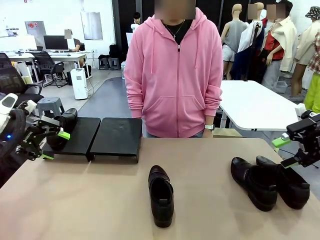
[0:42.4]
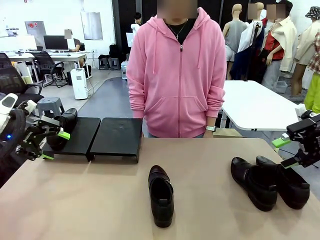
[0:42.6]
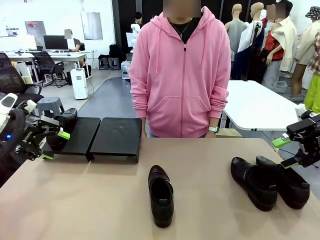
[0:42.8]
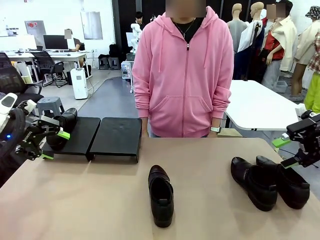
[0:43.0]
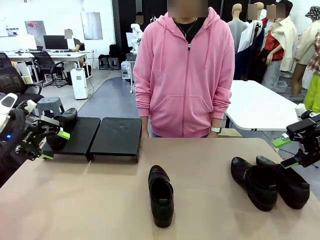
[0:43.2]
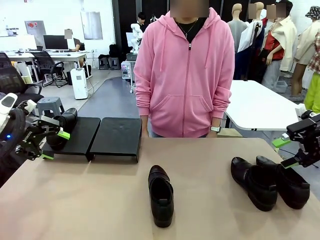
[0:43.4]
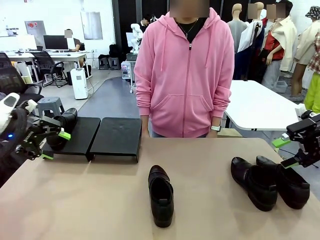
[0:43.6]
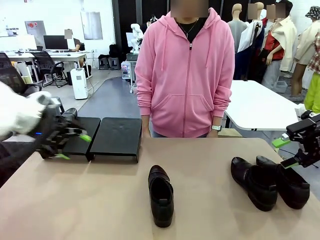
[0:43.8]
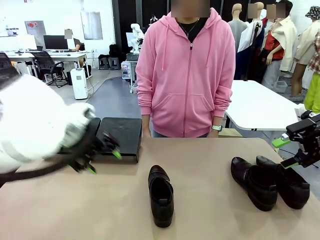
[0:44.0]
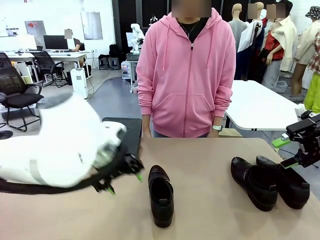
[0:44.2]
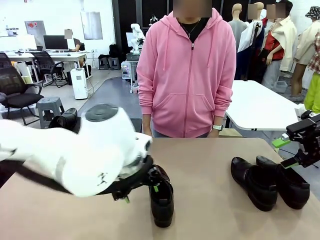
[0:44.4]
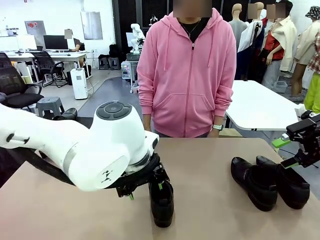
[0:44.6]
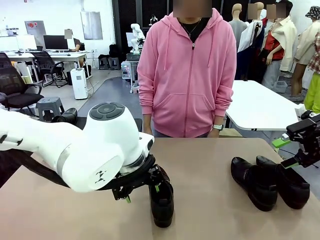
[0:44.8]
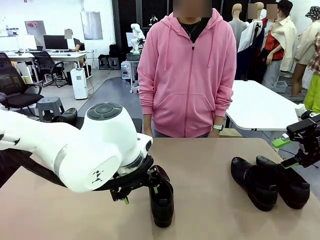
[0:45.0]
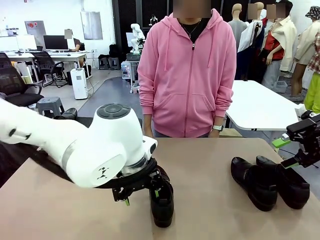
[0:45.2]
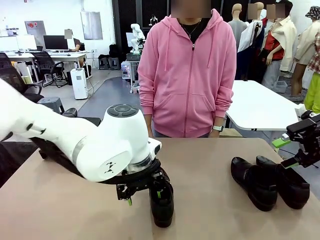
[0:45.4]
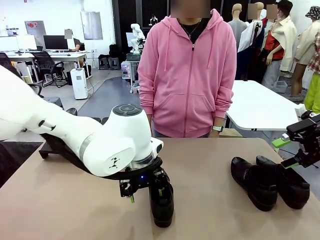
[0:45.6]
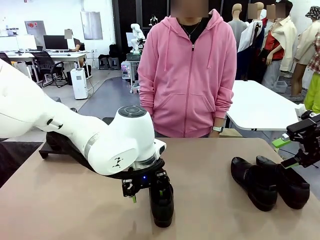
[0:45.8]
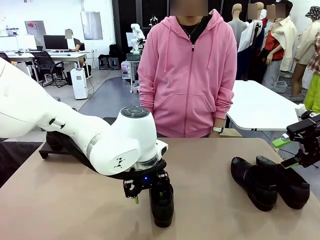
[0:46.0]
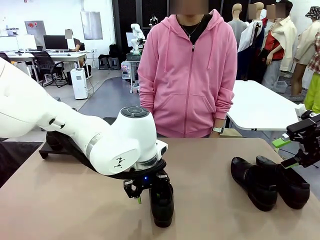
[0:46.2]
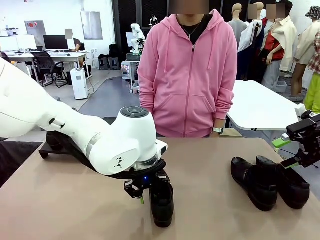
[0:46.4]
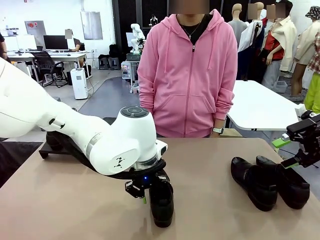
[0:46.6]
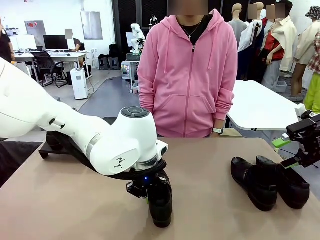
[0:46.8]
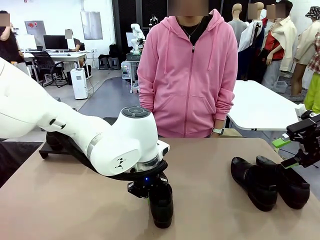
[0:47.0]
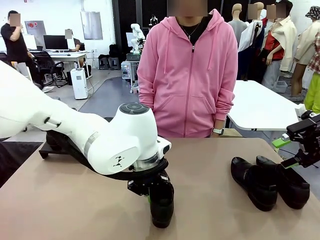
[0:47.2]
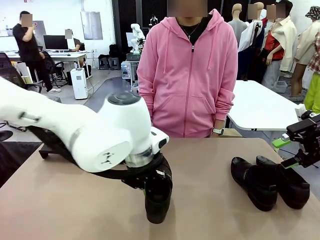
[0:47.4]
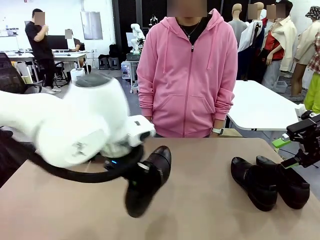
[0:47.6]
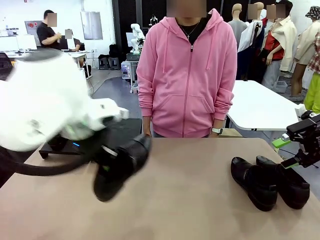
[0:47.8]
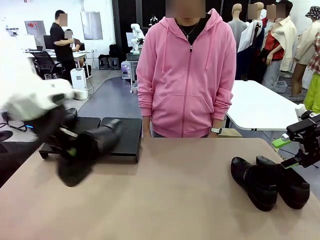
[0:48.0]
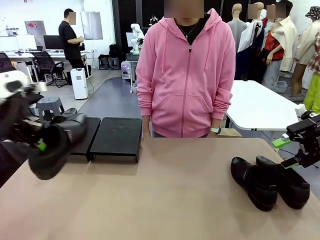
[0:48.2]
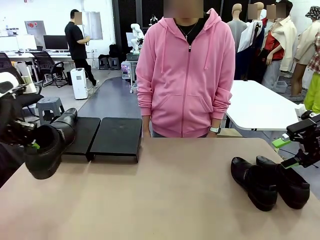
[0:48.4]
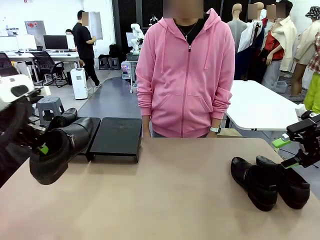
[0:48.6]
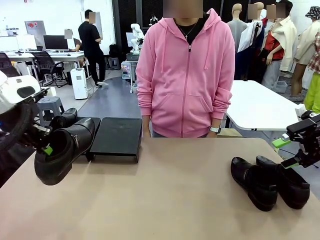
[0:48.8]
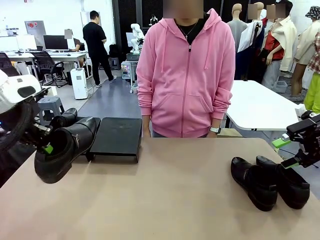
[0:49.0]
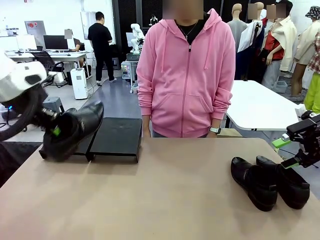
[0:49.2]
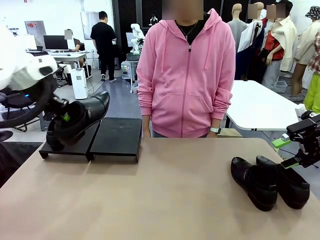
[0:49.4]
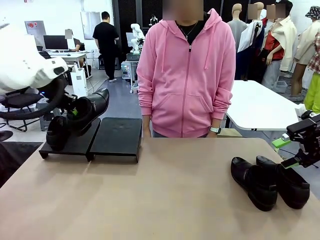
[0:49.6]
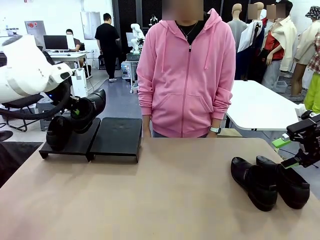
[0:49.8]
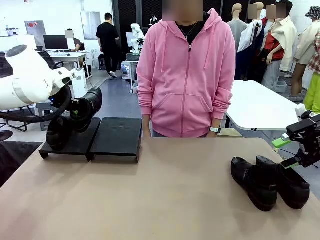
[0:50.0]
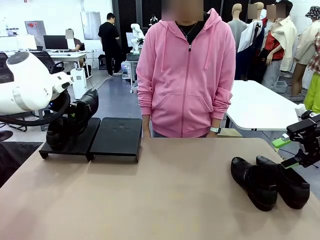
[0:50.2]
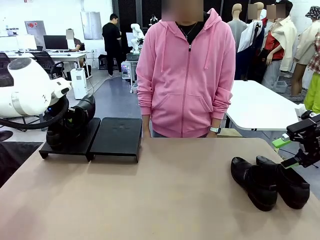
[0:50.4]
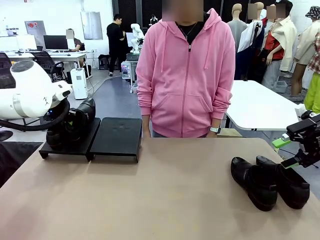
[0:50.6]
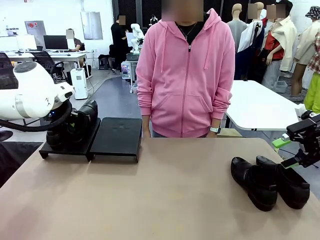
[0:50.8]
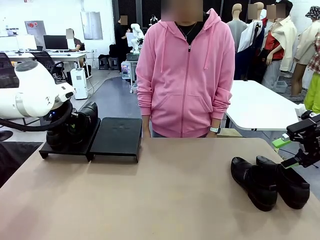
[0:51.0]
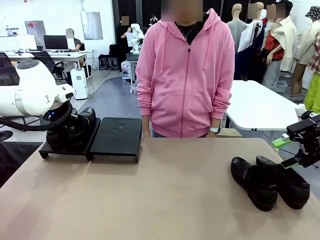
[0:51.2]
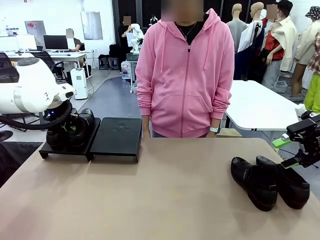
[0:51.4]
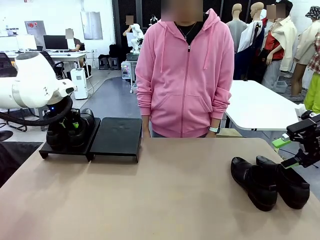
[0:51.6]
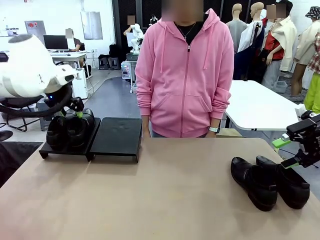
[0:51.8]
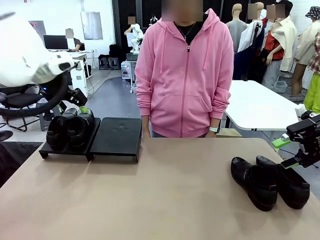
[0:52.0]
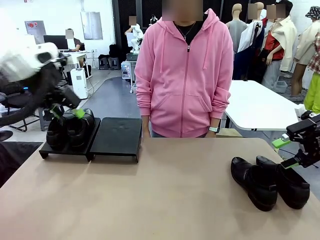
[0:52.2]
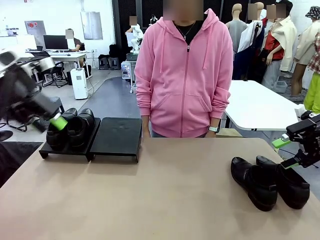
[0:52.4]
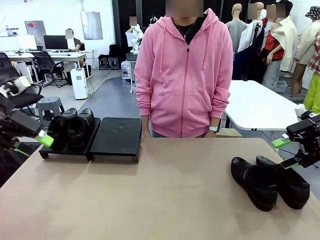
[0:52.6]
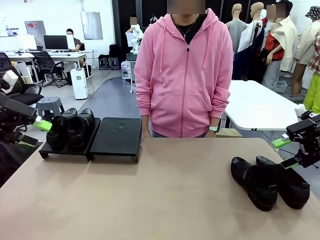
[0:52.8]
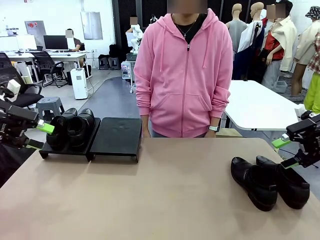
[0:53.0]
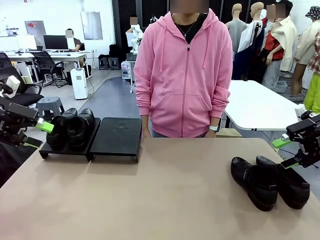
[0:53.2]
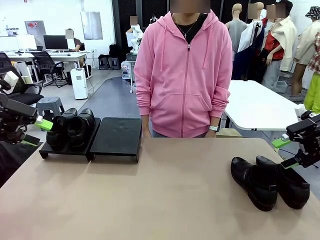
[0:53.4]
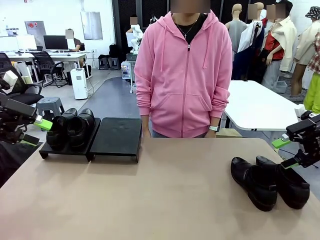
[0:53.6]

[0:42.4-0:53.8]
Task: Organize the shoes by placing them on the stand.
Robot: Place the Shoe from the middle of the table onto the Shoes Stand.

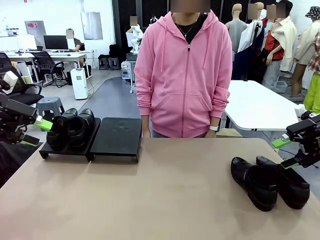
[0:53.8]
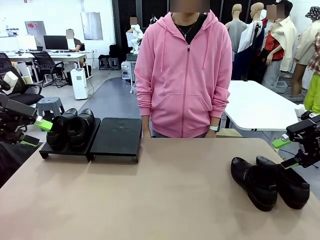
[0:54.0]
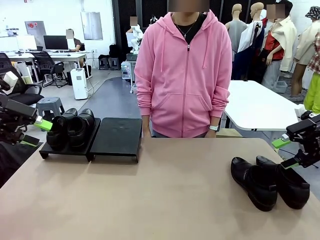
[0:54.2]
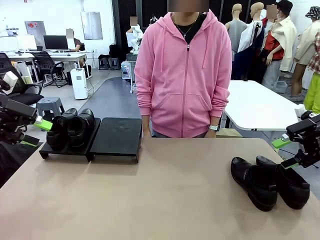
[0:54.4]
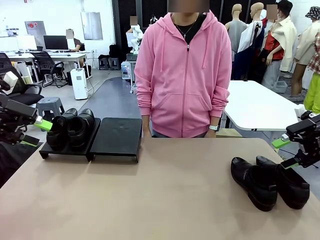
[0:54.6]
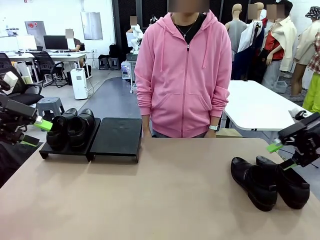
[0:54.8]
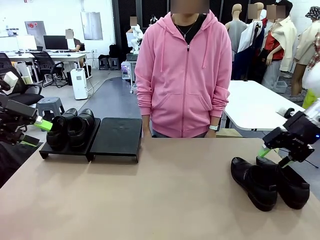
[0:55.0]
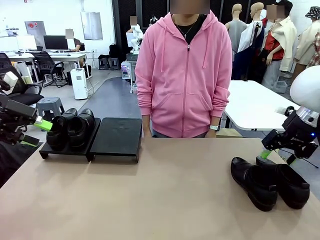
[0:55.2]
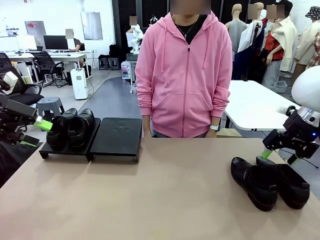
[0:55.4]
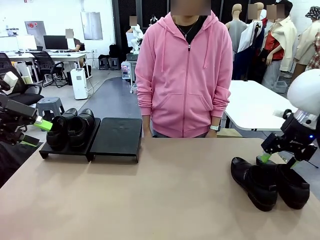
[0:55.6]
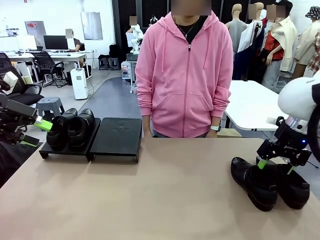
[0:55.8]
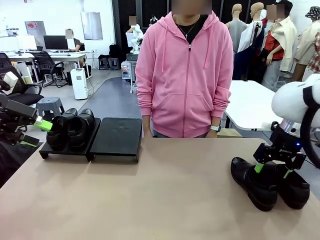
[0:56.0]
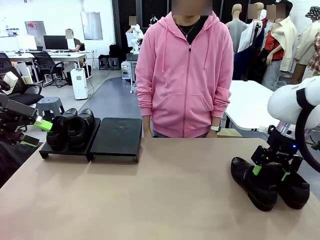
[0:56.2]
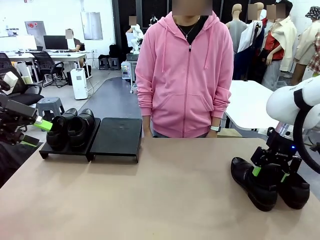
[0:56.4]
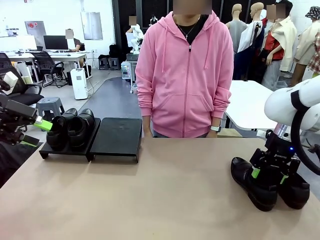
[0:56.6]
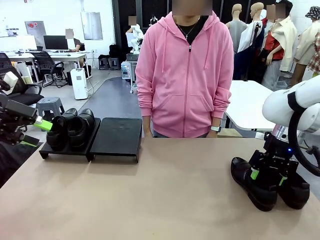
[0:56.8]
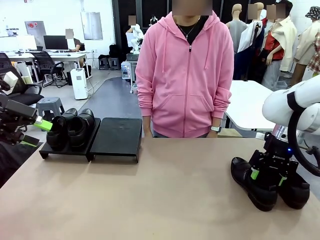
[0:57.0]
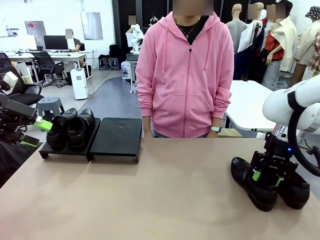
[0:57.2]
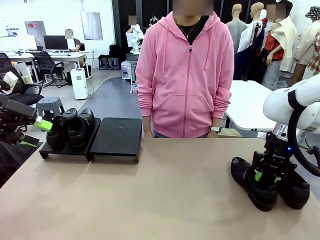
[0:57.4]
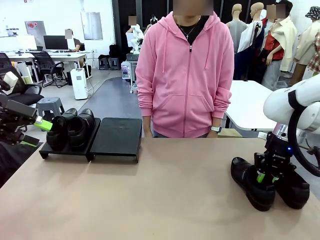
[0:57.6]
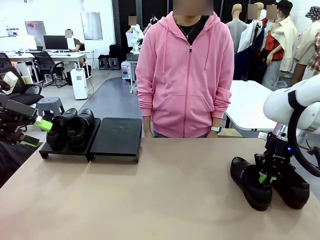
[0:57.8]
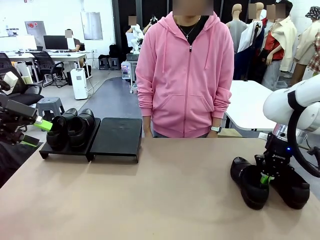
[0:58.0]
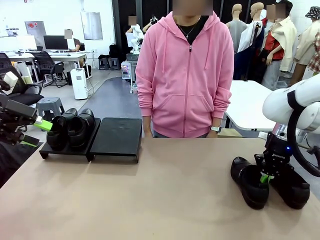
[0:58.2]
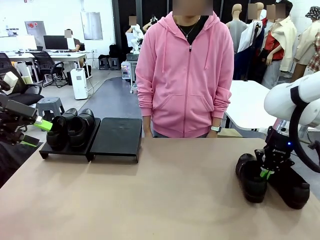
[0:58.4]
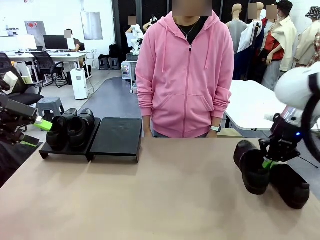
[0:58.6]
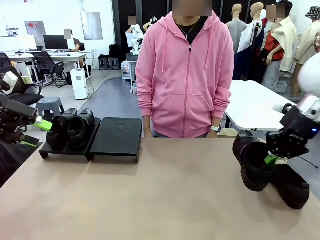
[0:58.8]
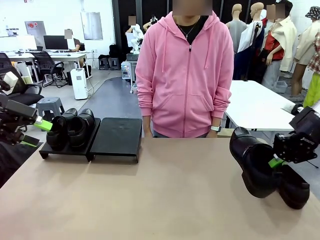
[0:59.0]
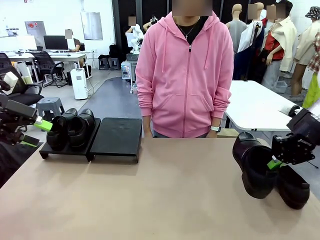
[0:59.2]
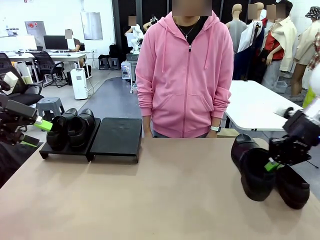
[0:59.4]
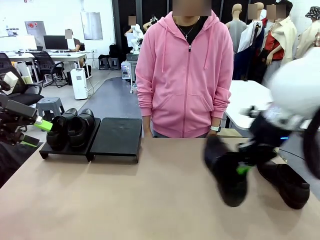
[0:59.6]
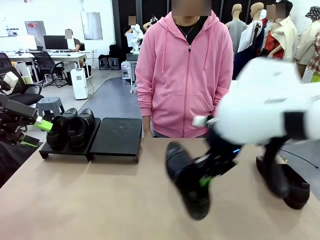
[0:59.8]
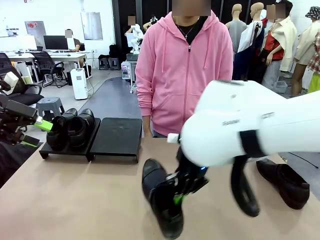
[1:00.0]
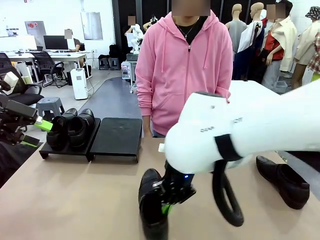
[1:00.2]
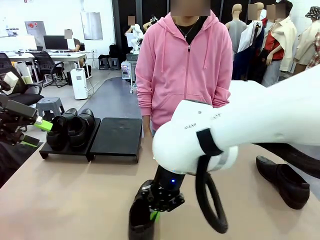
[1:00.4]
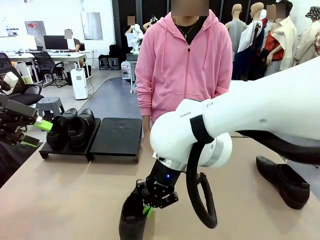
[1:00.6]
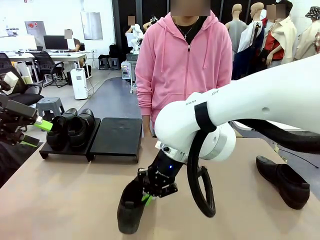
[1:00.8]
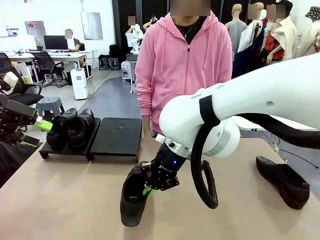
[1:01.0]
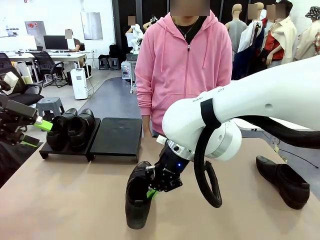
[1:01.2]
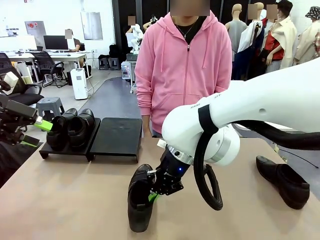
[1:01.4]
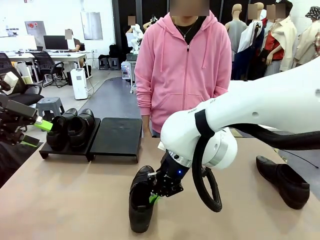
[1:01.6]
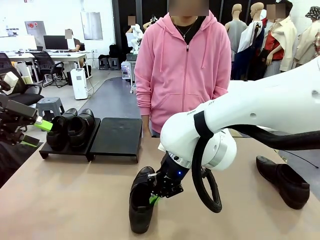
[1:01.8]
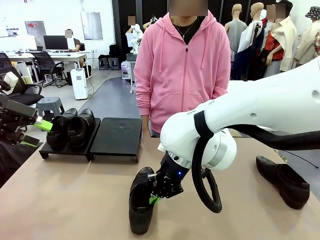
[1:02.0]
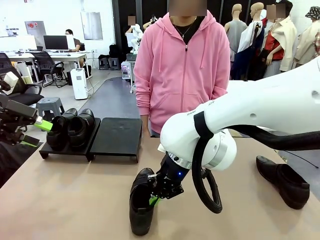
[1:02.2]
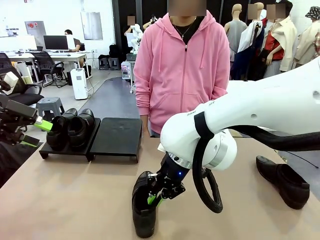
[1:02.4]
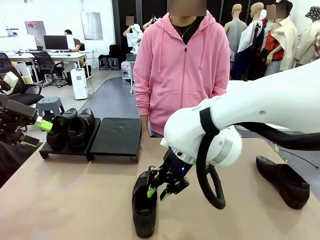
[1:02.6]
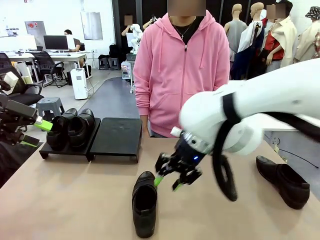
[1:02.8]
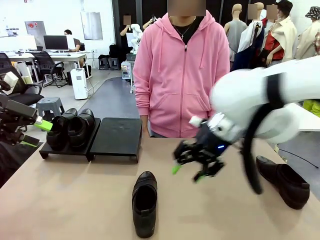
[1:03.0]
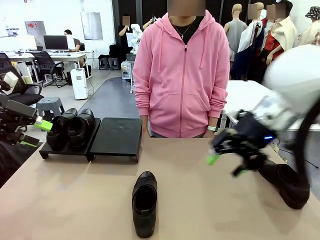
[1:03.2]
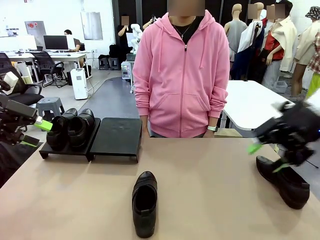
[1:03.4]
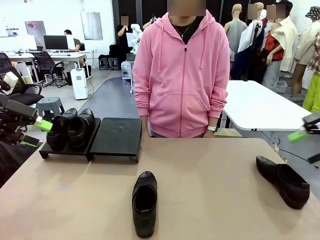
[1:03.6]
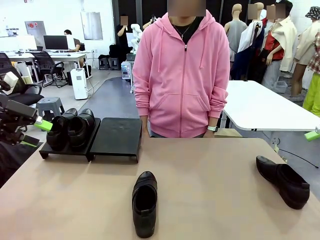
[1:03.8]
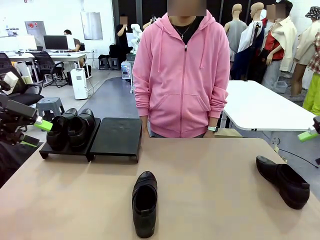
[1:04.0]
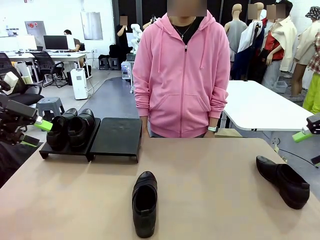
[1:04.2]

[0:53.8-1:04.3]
Robot: Pick up one Shoe and place it in the middle of the table.
